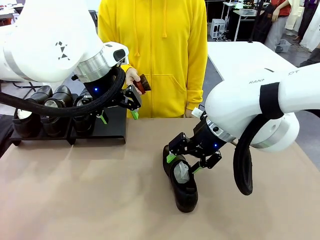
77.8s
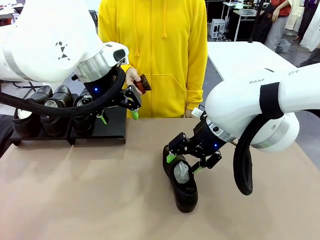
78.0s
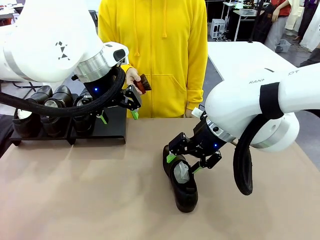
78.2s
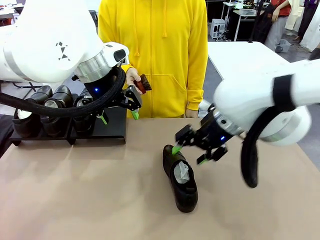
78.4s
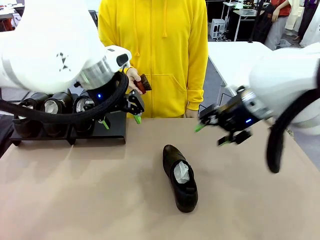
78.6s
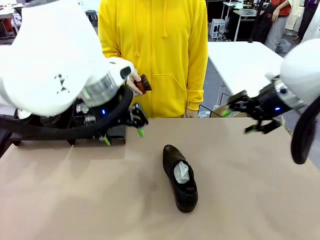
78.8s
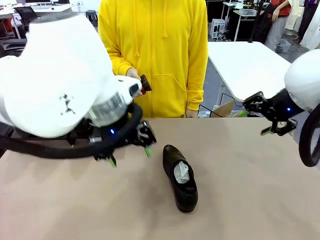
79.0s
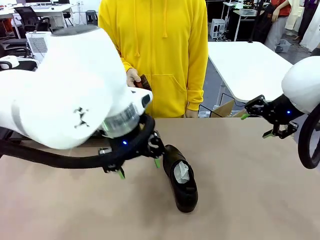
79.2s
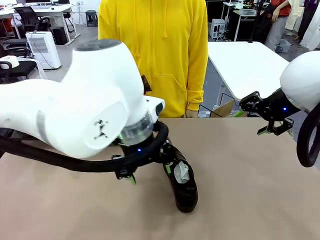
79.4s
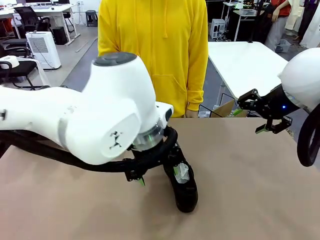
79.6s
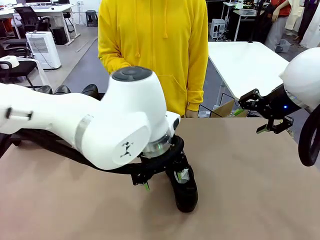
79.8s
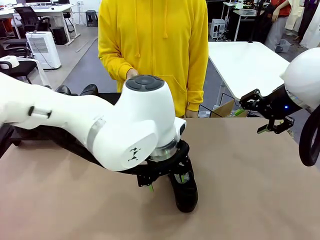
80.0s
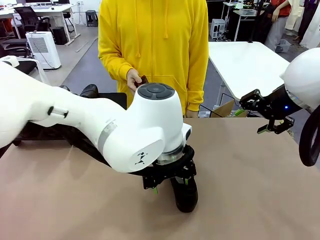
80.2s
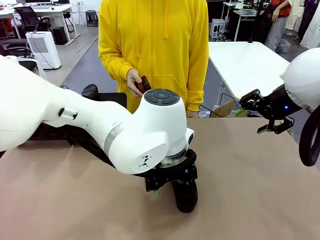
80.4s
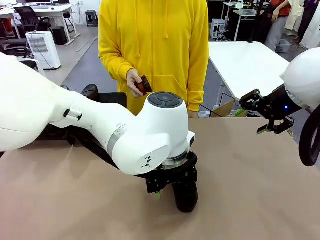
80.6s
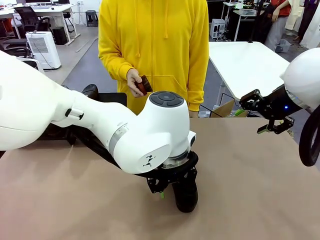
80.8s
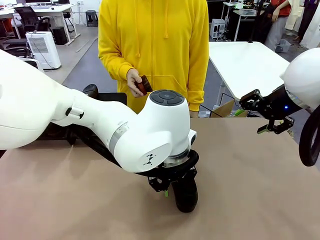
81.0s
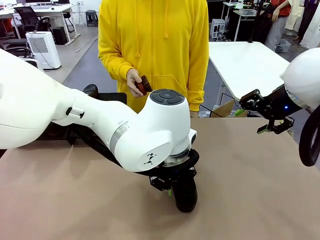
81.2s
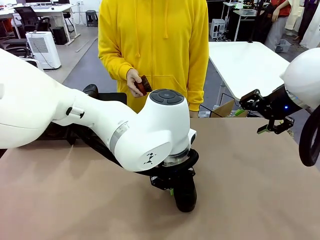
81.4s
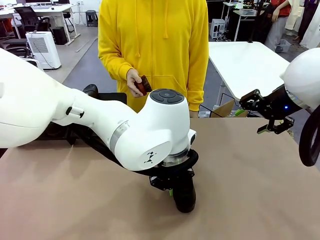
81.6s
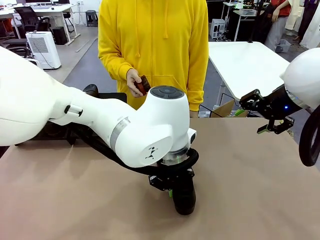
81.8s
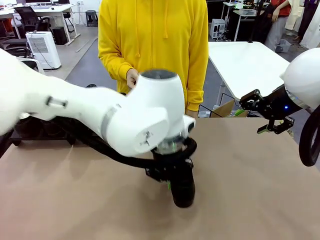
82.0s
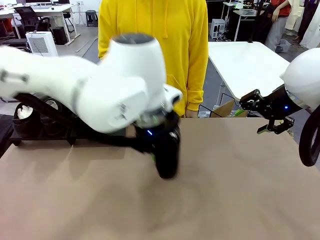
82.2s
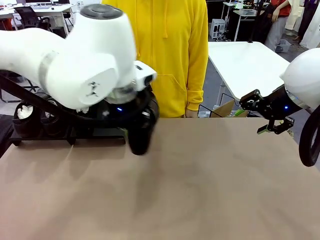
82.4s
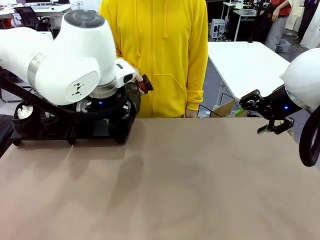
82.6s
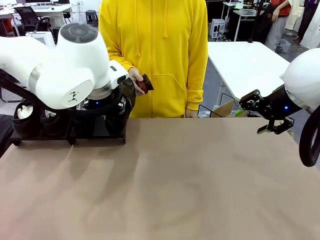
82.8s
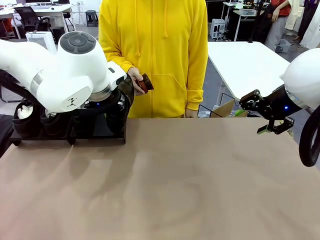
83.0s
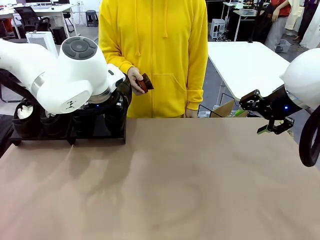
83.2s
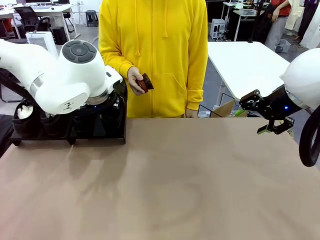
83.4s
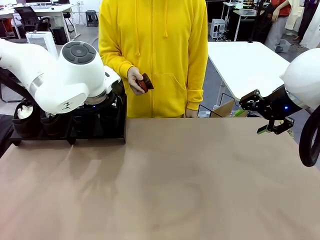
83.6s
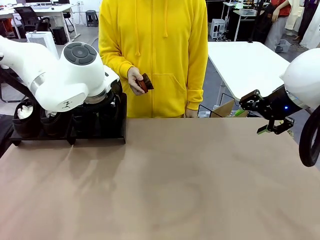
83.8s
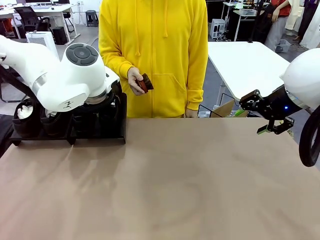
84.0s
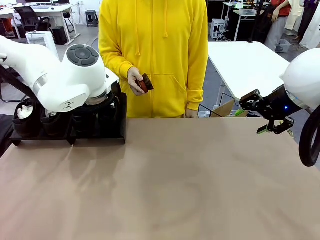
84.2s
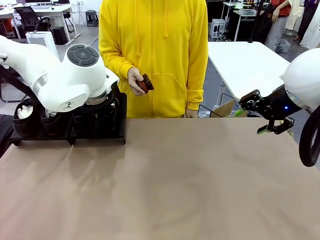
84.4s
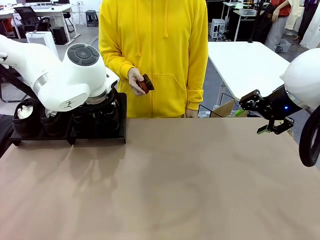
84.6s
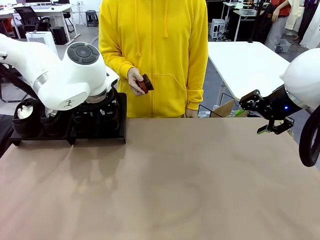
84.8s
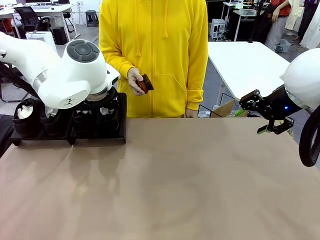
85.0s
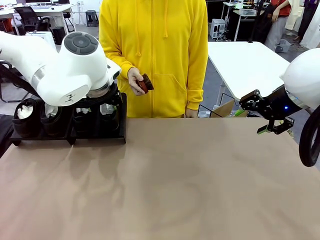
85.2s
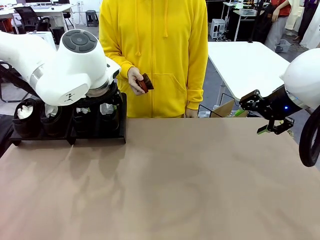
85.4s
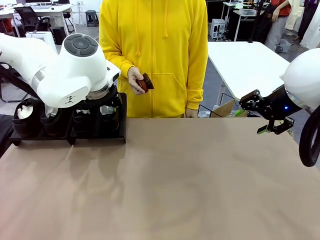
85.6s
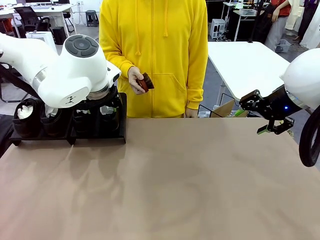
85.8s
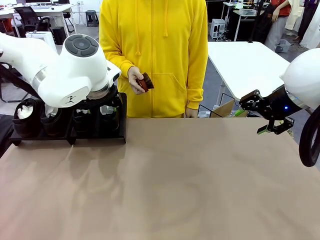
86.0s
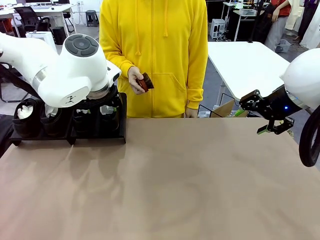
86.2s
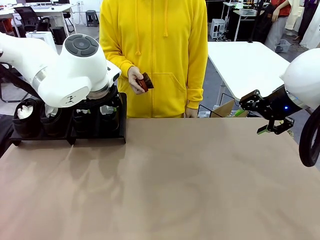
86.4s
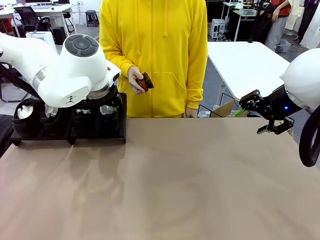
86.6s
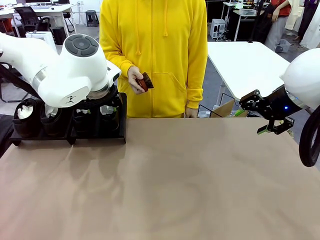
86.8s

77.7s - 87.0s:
Task: Organize the shoes by placing them on the stand.
Robot: Place the Shoe from the middle of the table onto the Shoes Stand.

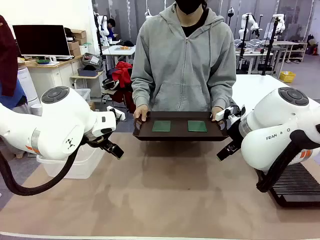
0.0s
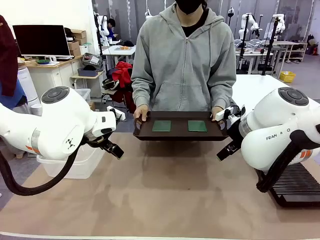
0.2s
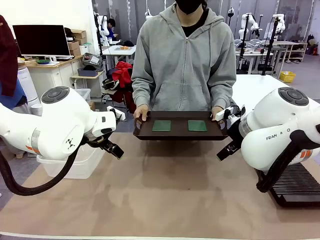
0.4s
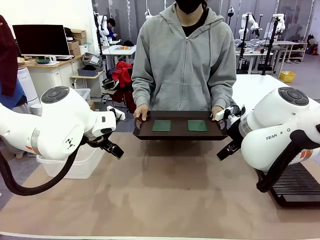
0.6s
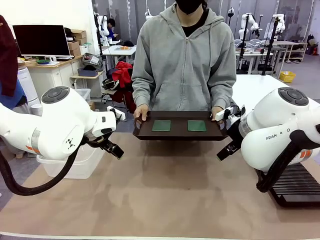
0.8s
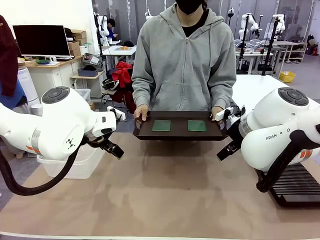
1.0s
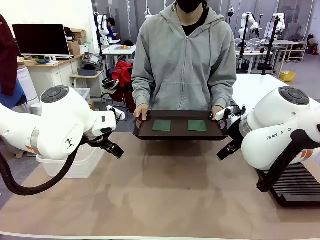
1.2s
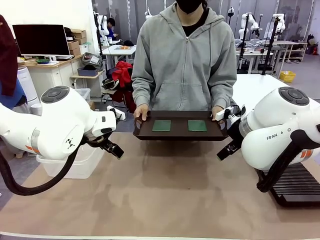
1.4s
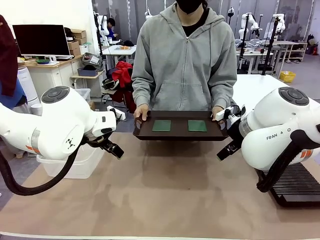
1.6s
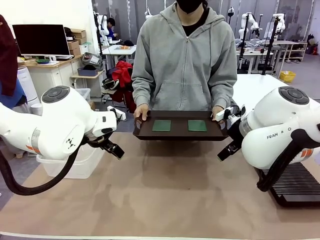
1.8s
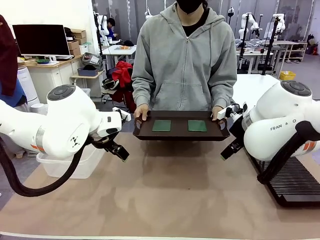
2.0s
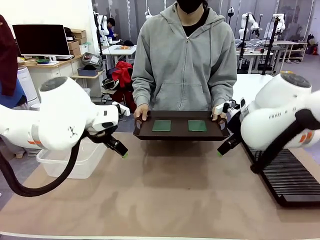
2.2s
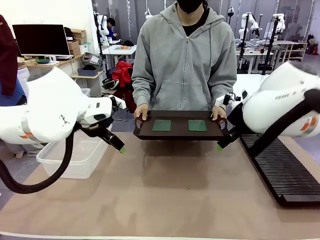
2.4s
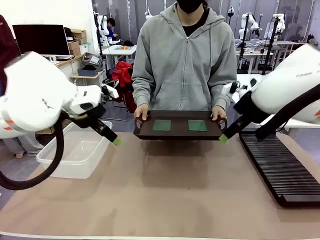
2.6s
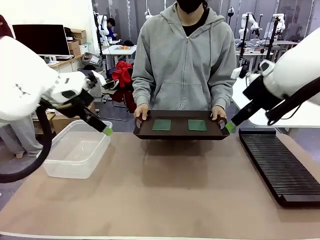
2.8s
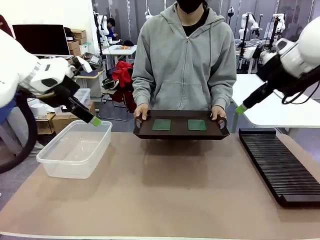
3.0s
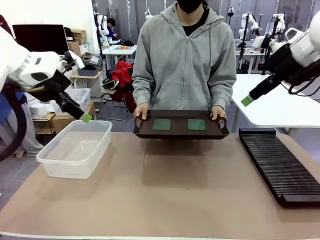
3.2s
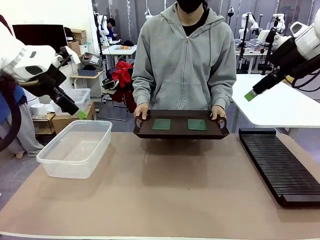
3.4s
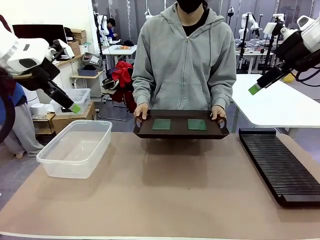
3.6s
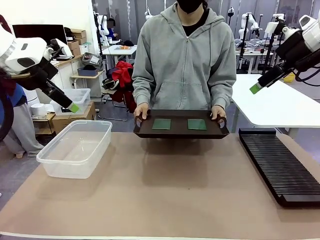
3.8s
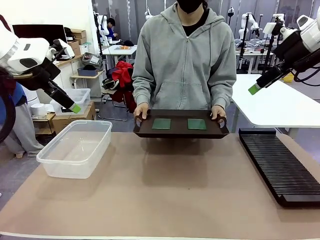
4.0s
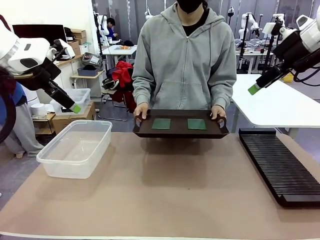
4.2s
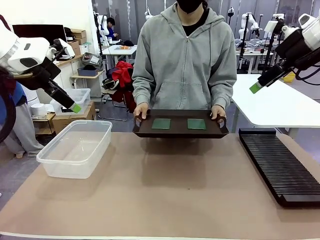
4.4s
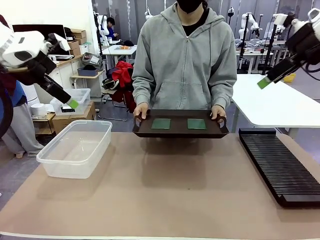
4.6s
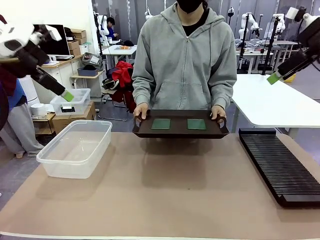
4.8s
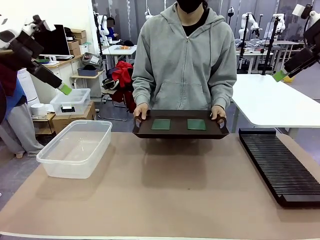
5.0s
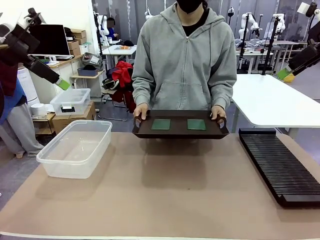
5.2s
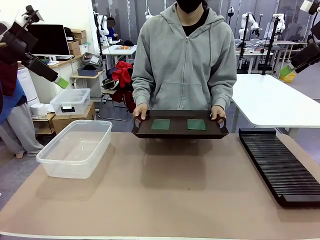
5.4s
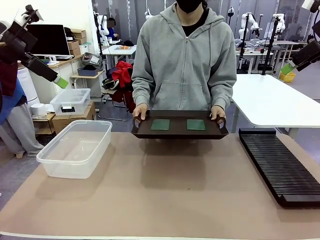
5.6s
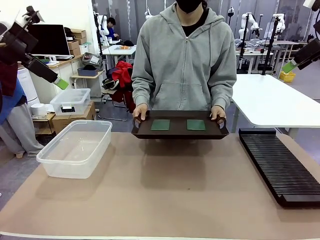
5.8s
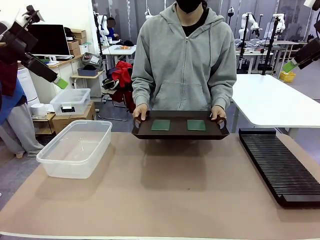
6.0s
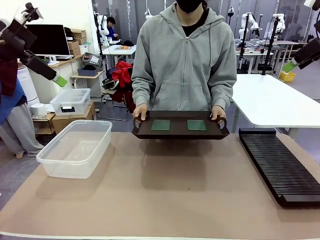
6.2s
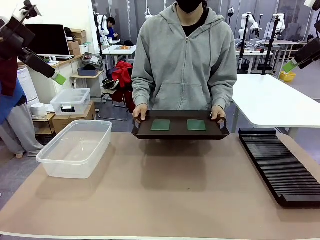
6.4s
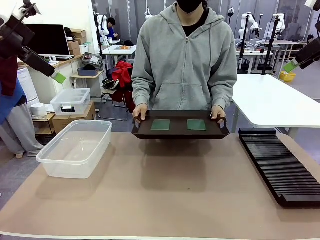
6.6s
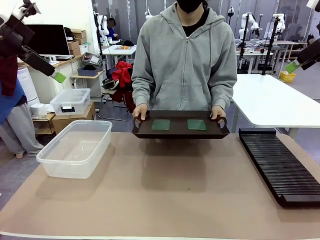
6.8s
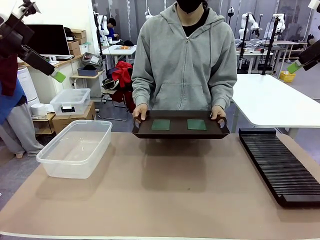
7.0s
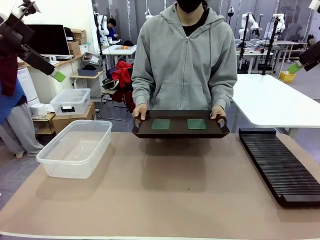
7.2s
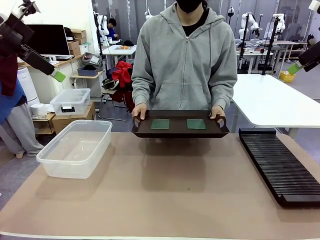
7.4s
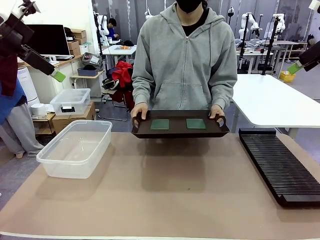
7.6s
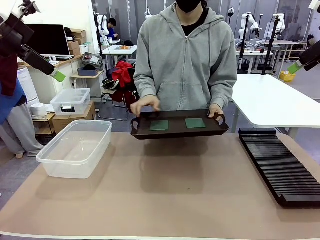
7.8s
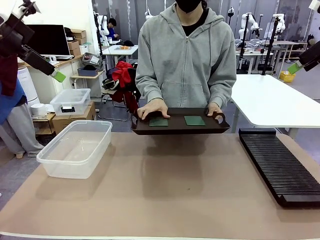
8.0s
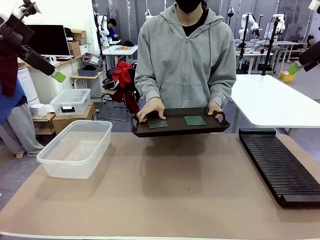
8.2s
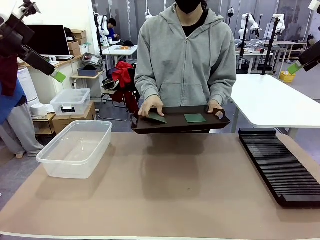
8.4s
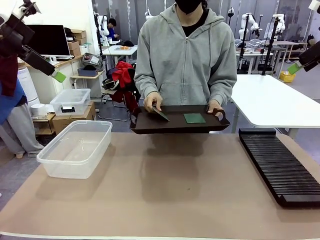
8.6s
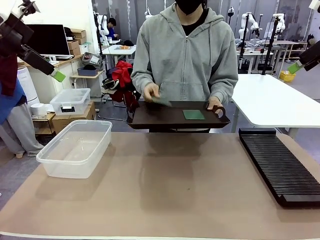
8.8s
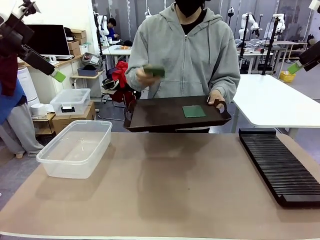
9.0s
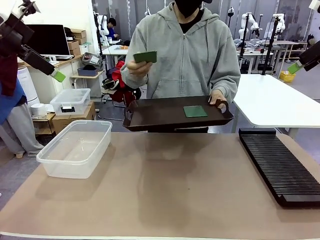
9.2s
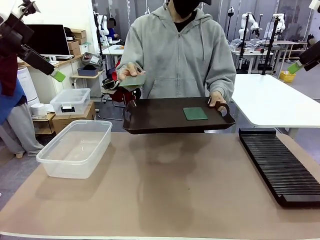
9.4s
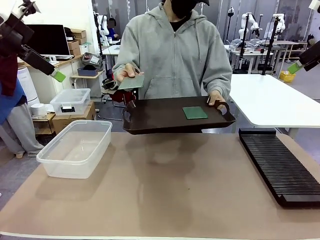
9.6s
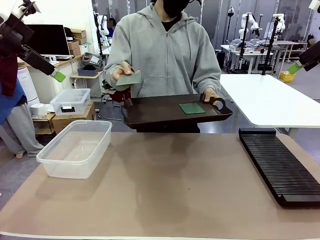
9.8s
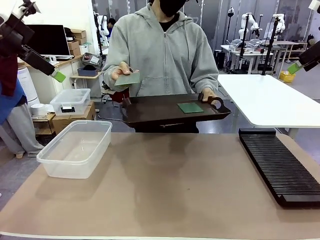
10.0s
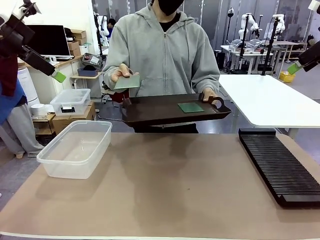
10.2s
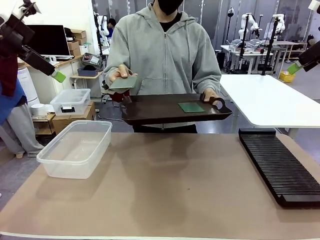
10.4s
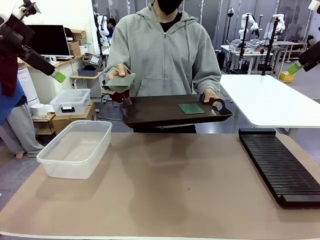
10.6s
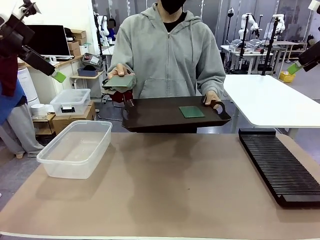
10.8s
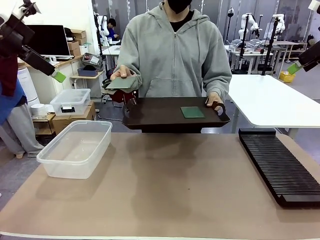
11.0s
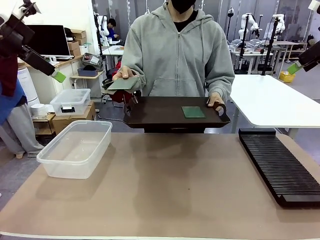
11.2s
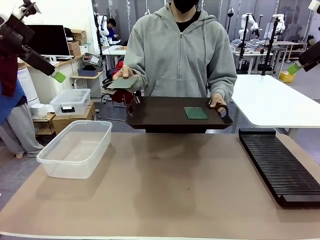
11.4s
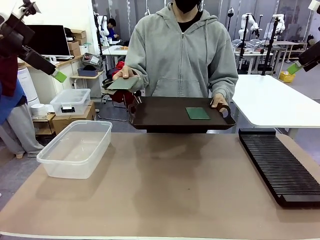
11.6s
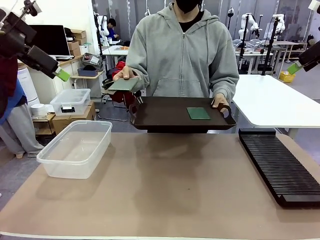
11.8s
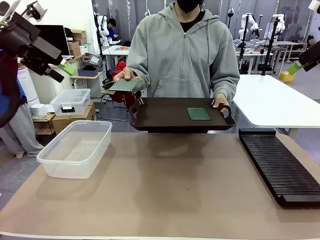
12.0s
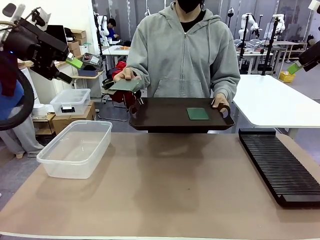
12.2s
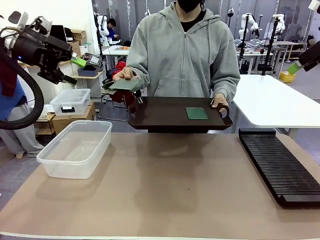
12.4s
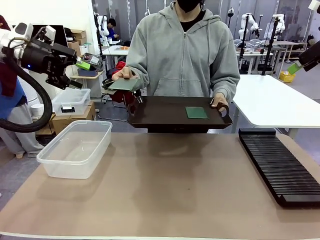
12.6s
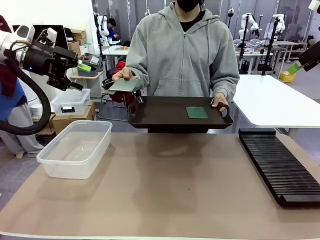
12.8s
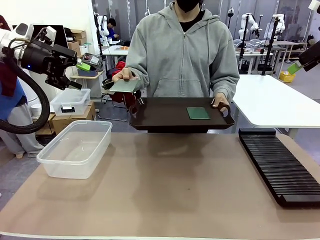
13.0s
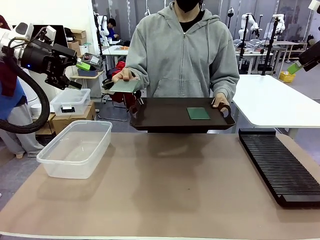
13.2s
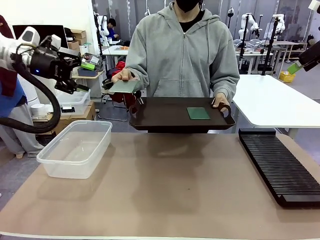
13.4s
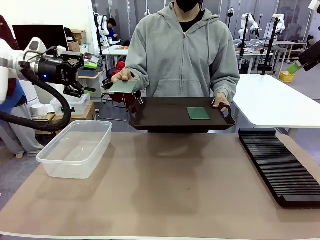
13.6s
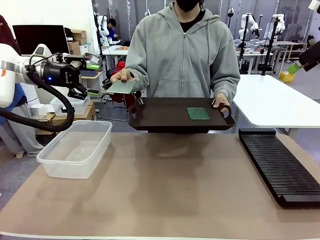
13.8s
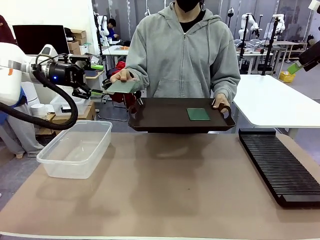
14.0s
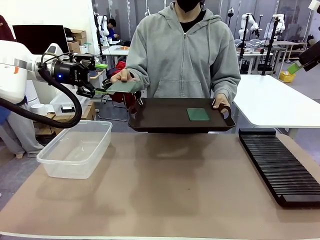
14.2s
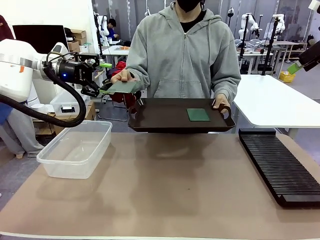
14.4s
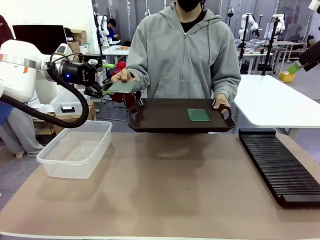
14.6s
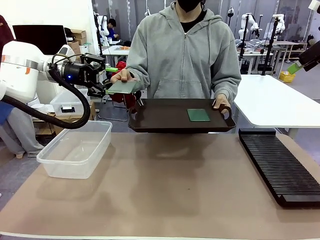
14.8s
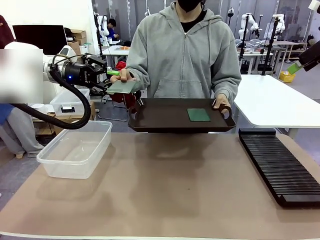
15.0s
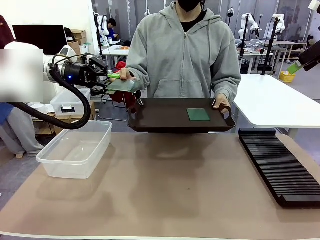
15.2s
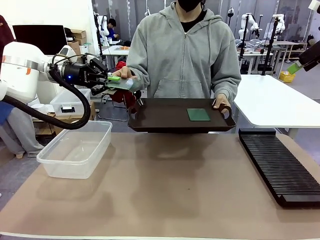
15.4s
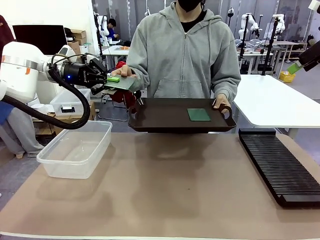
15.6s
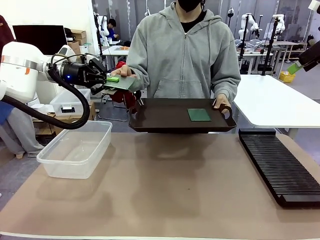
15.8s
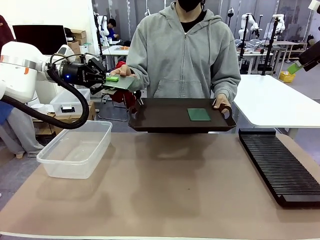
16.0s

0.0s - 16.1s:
Task: Sort PCBs into racks and boxes based on the side picked up.
Robot: Pick up the Blank PCB handed by the Human.
Person: Pick one PCB from the tray and present it to the robot. Release the PCB being held.
